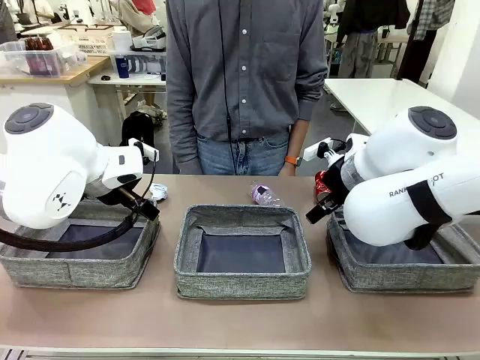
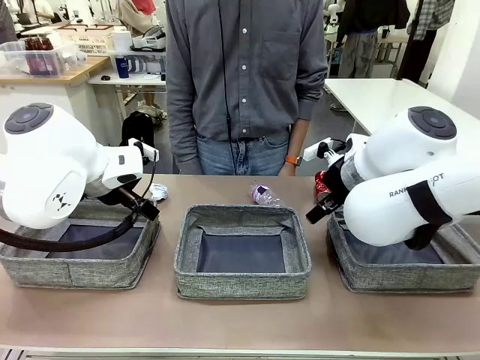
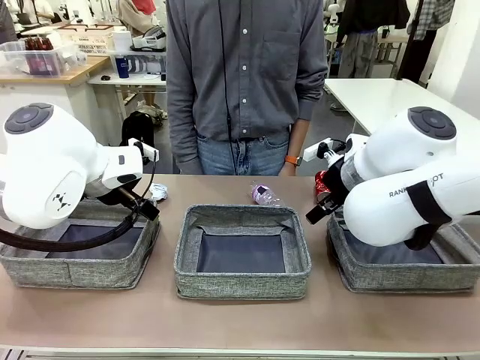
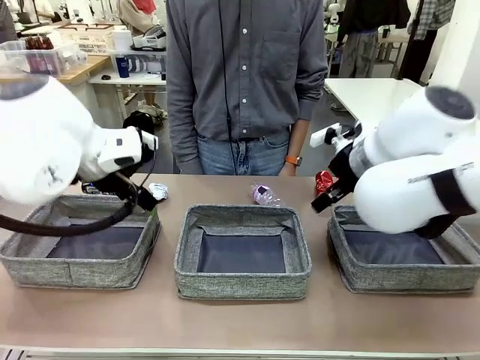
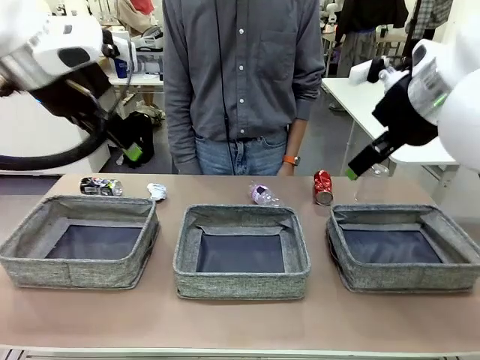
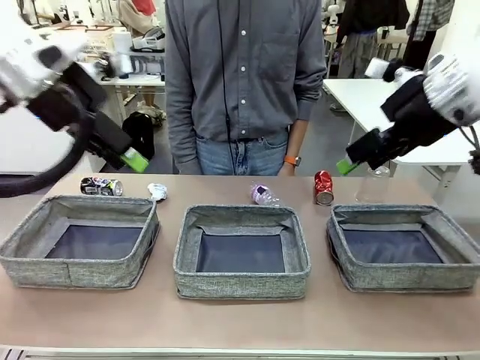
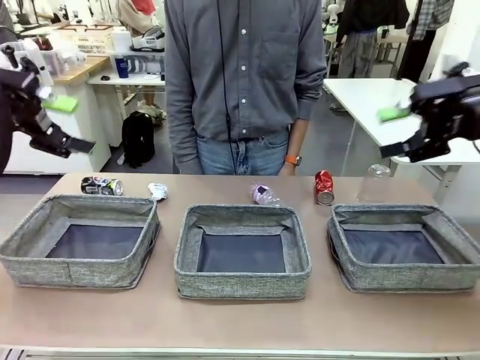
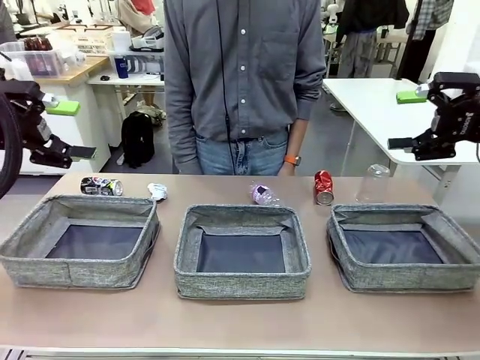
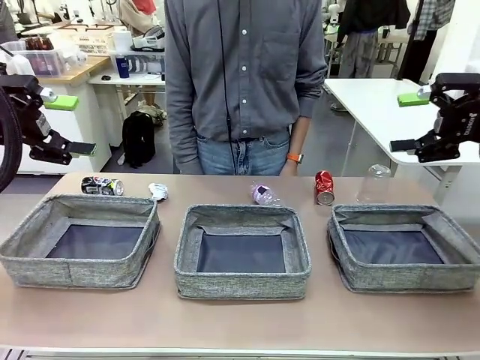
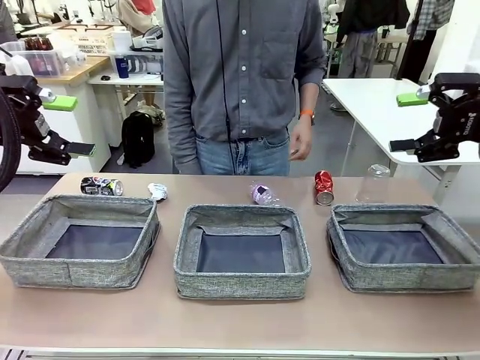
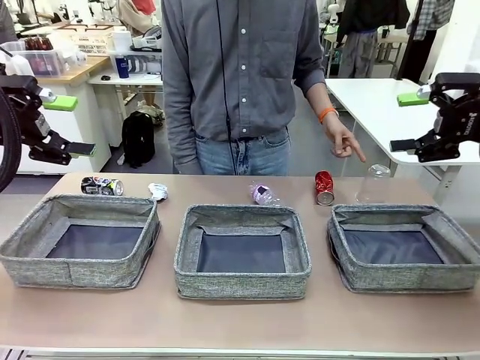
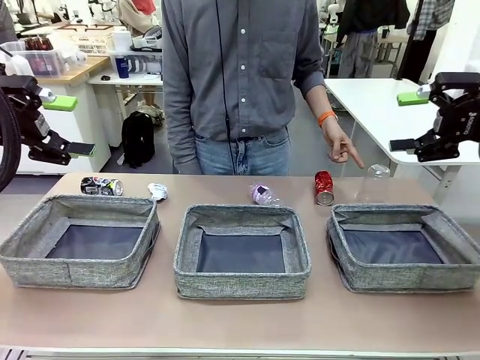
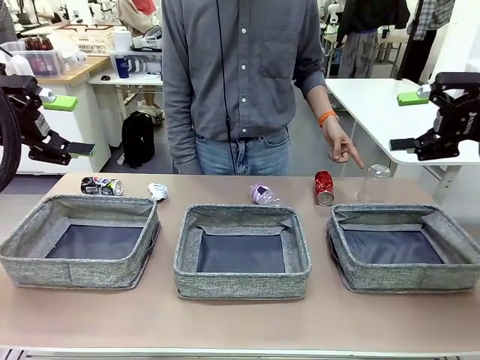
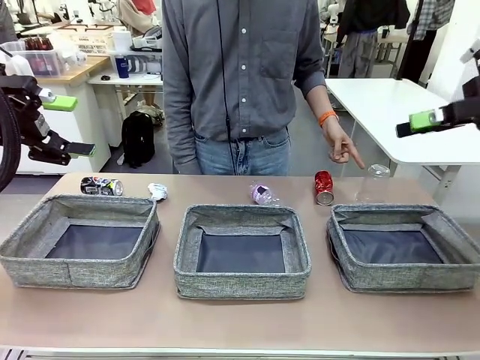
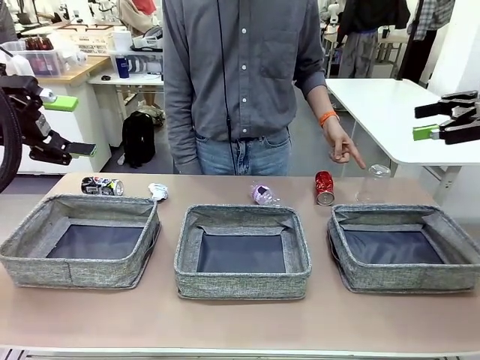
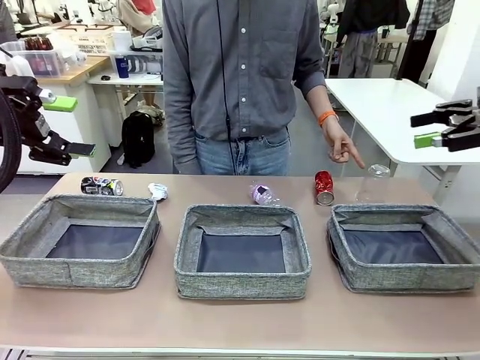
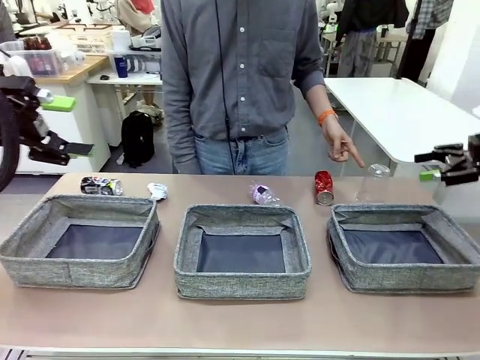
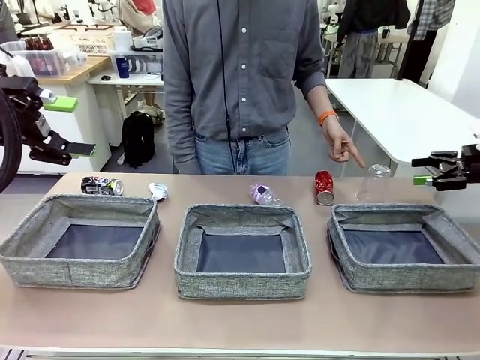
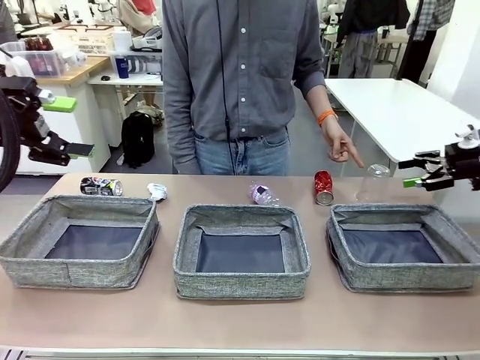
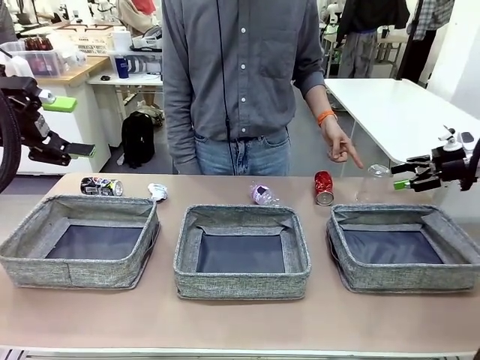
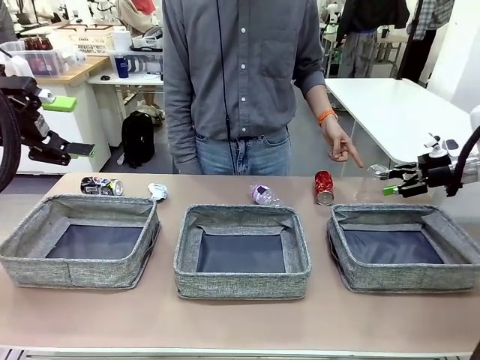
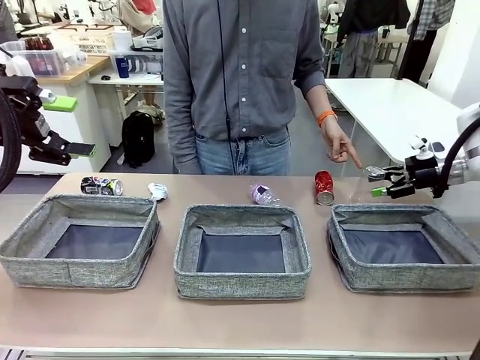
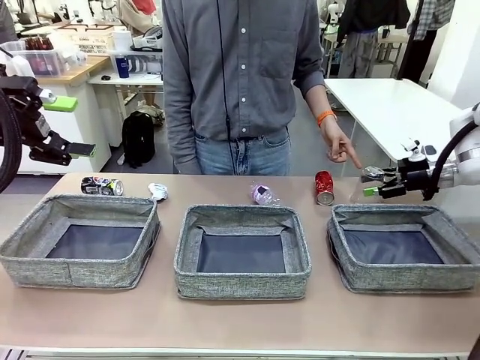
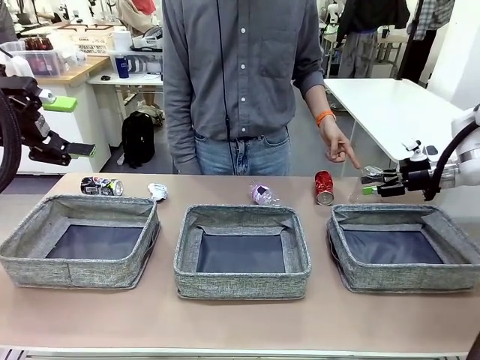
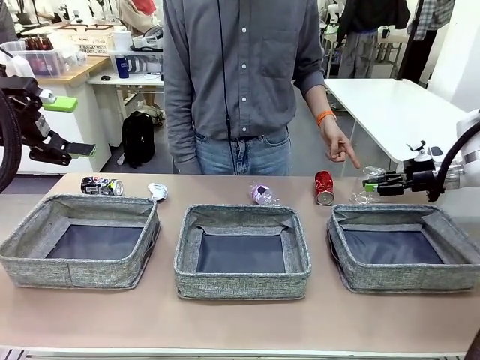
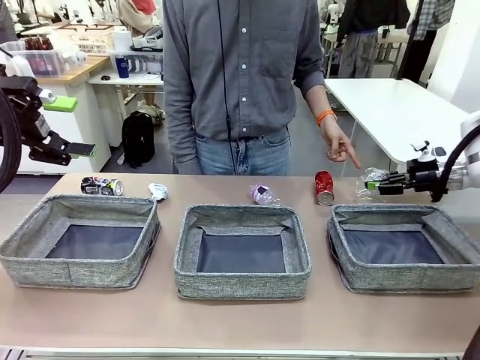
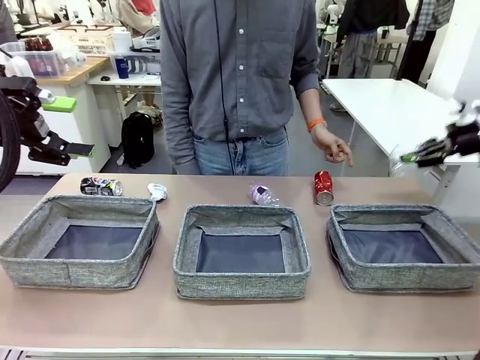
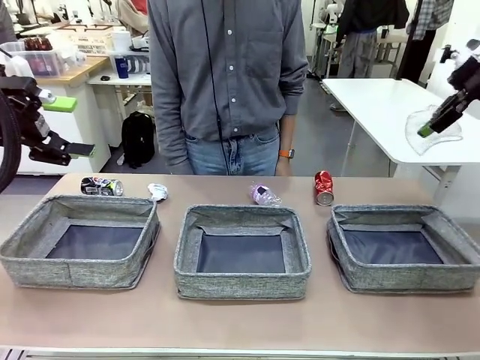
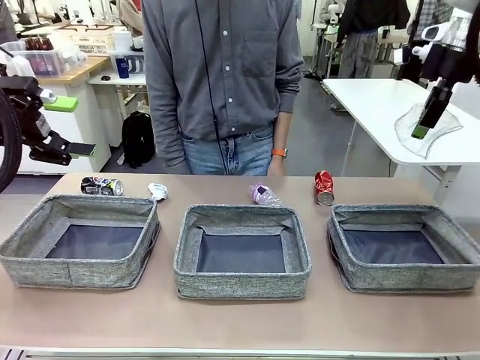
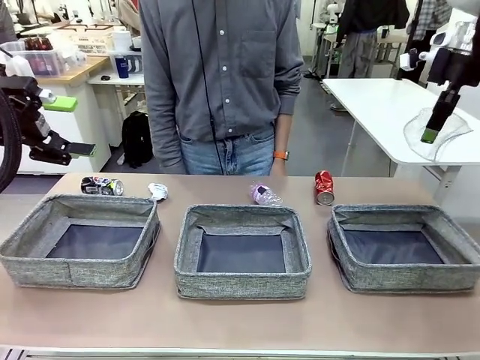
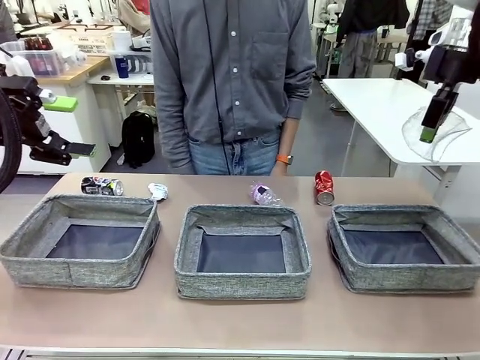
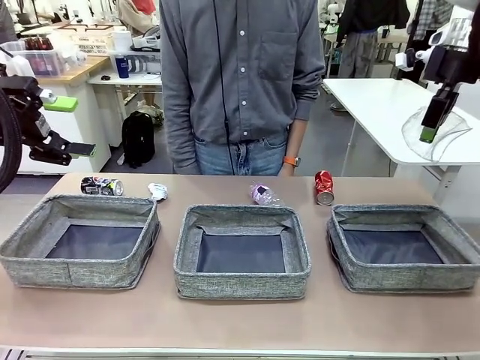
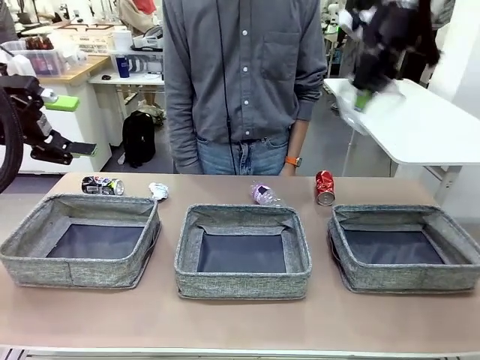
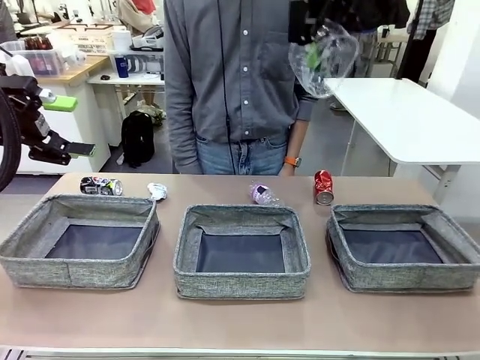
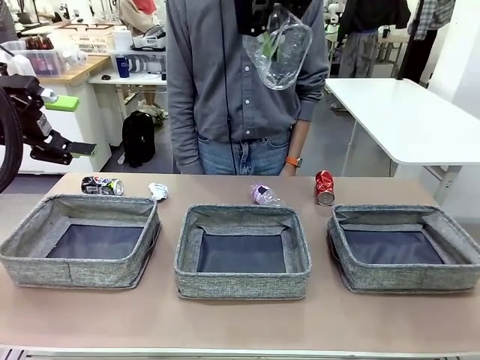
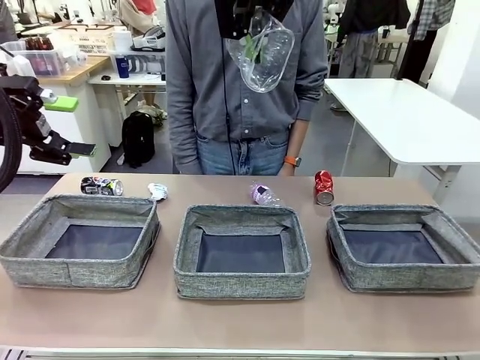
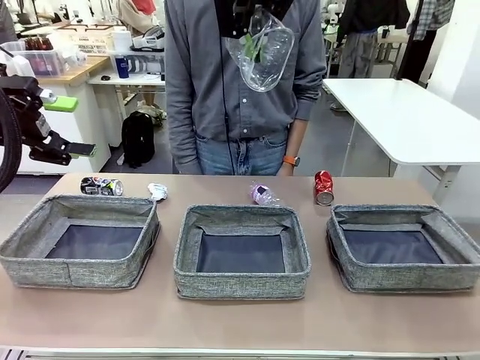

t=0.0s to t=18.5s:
Task: Sort the waste into the appropriate baskets.
Robot: Pick up the waste item pointed out by the person.
Person: Points to one piece of trash on the table.

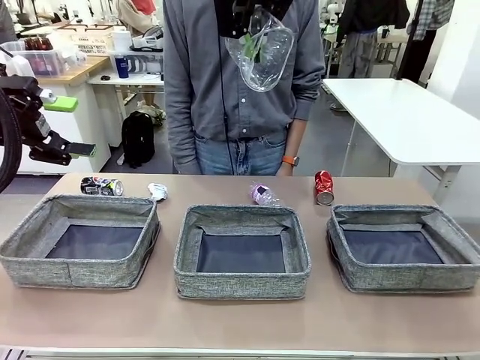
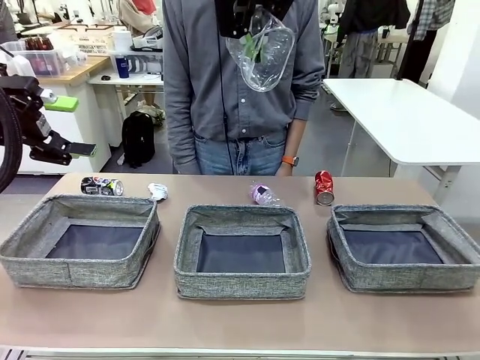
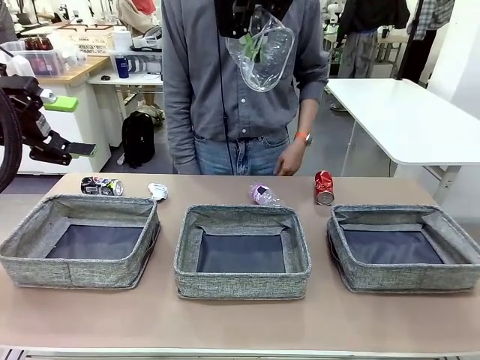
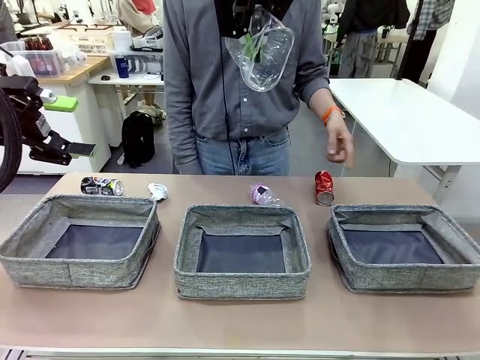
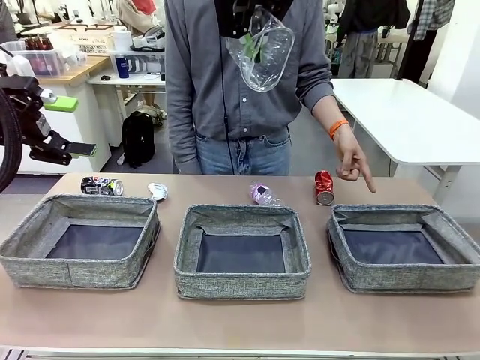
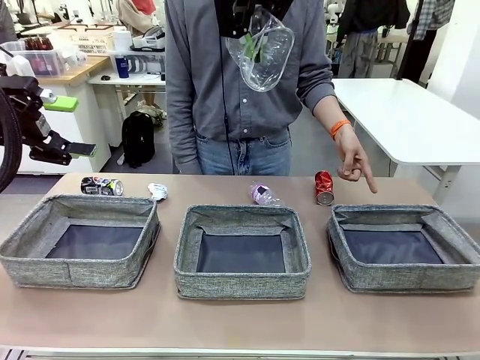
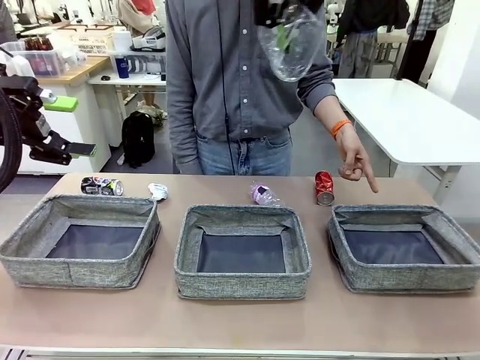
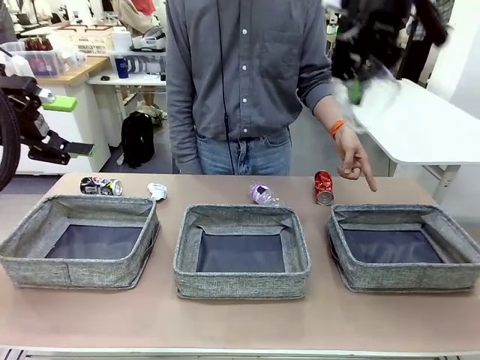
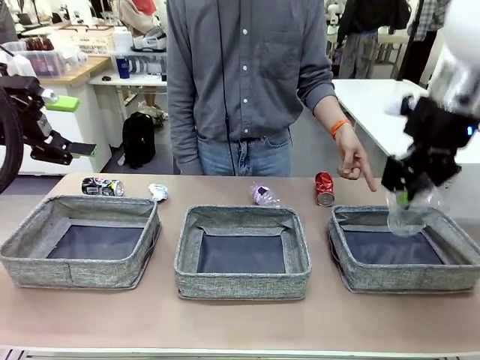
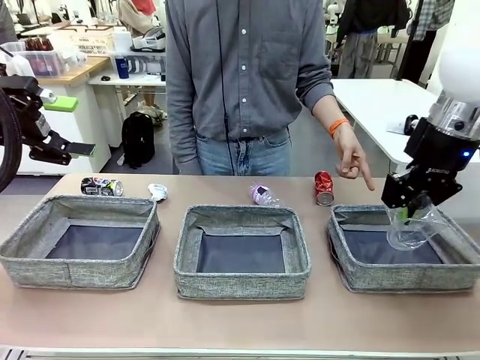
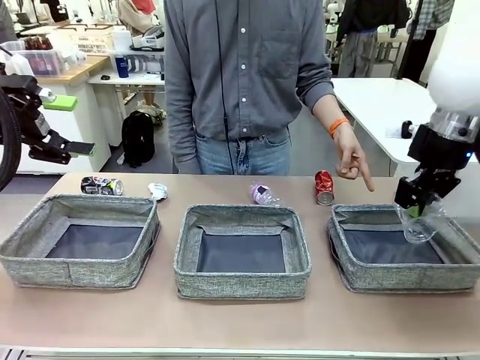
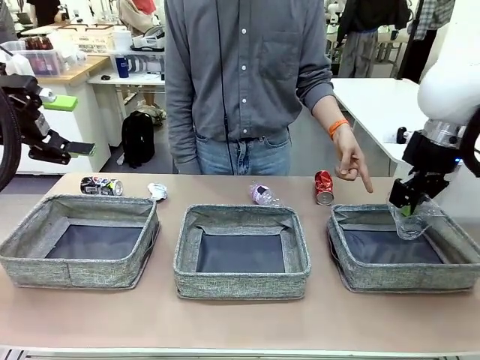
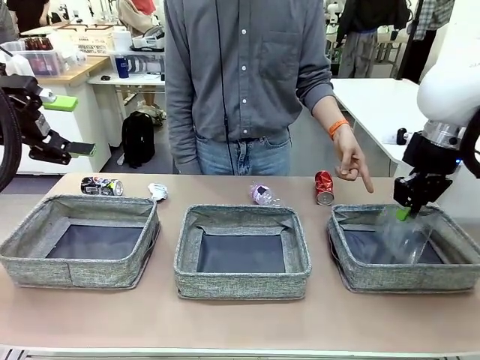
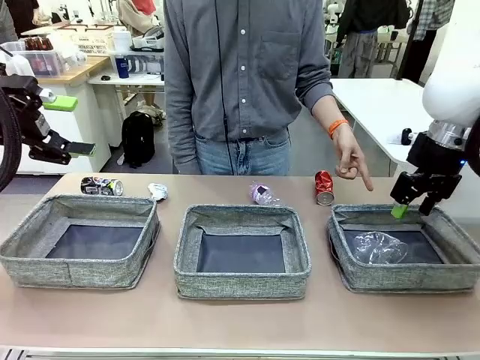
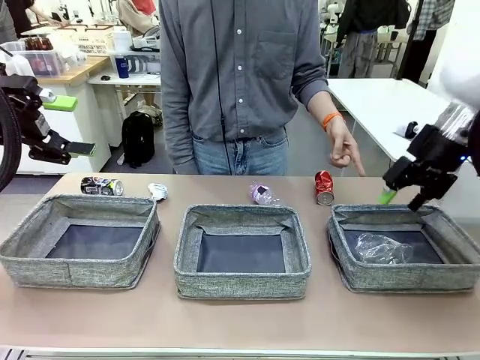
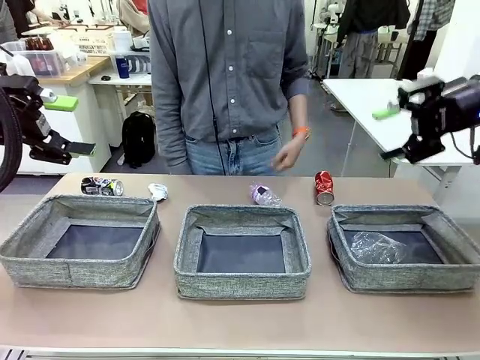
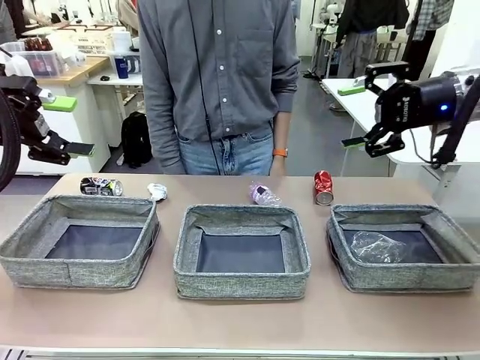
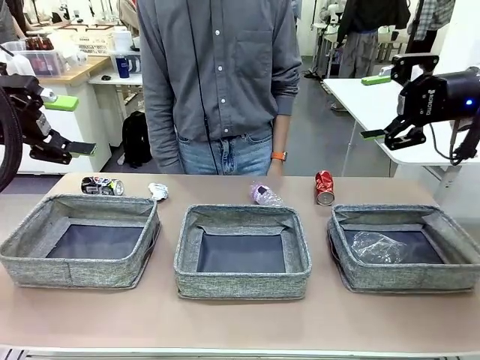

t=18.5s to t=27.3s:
Robot: Place the picked waste into the Fabric basket indicated by the person.
Person: Instructs the robot to place the picked-up trash into the appropriate organizing basket.
